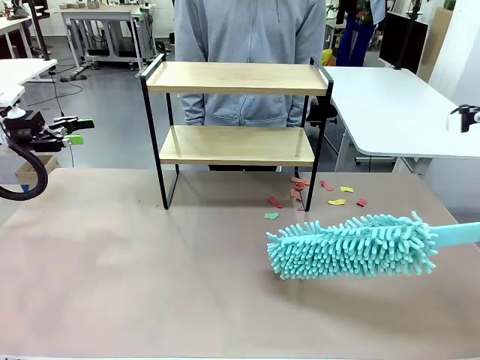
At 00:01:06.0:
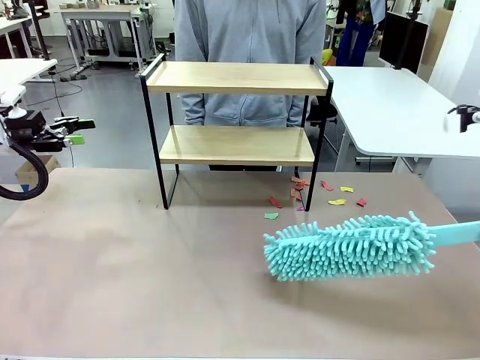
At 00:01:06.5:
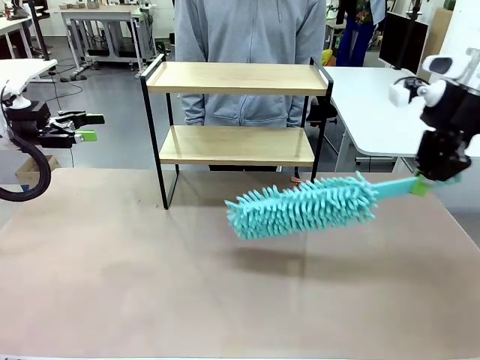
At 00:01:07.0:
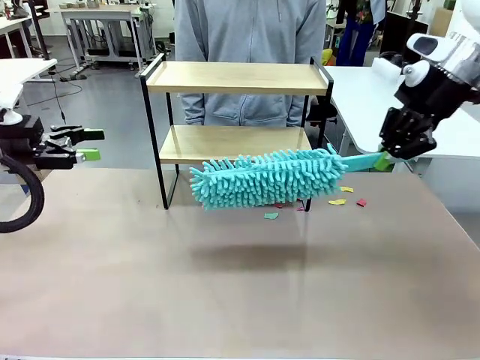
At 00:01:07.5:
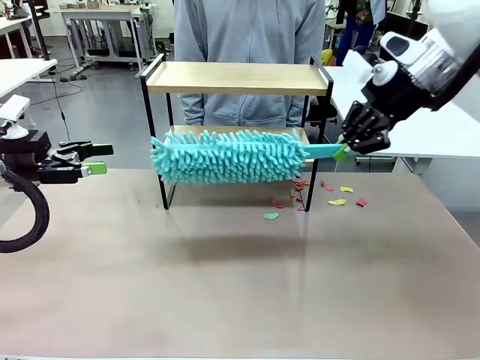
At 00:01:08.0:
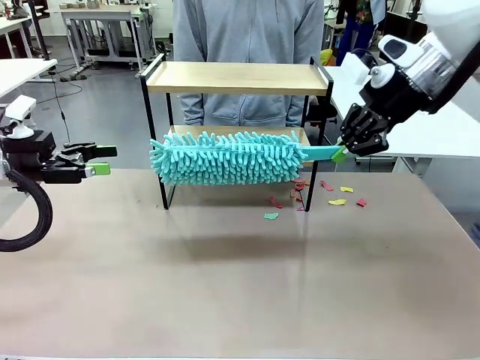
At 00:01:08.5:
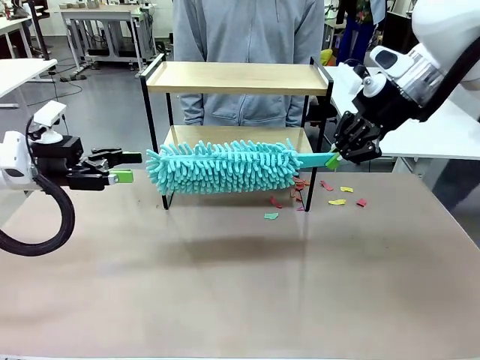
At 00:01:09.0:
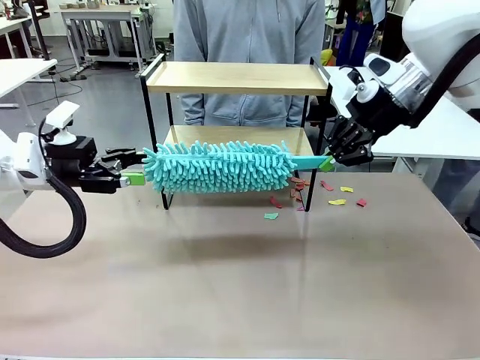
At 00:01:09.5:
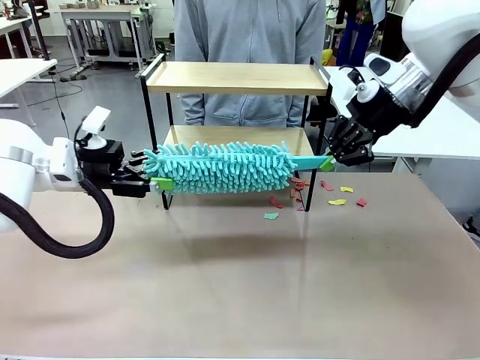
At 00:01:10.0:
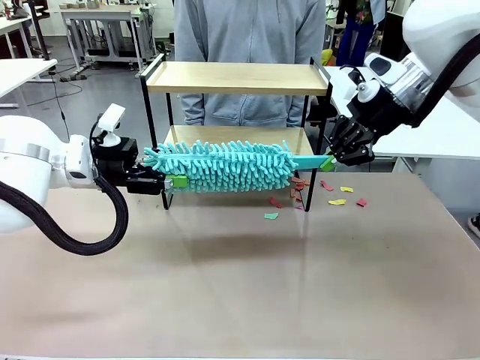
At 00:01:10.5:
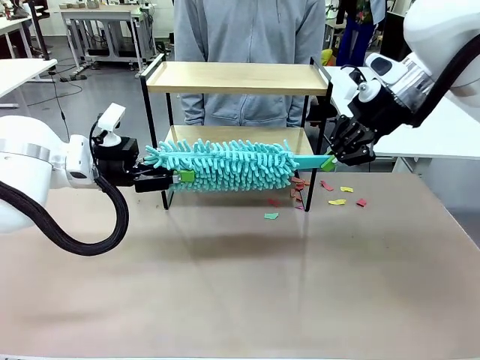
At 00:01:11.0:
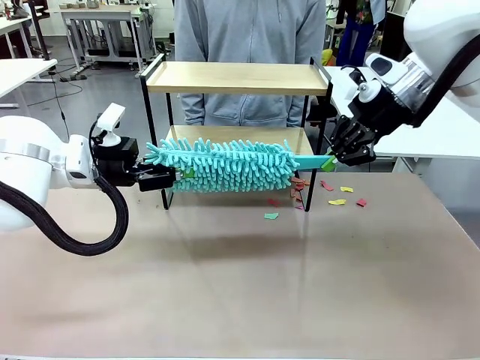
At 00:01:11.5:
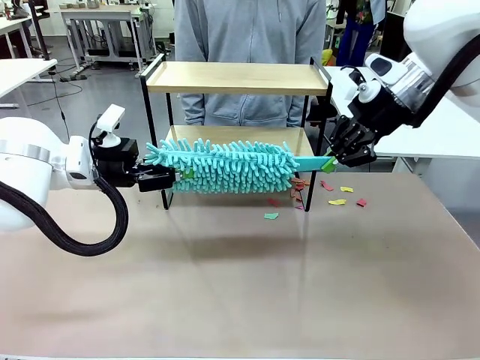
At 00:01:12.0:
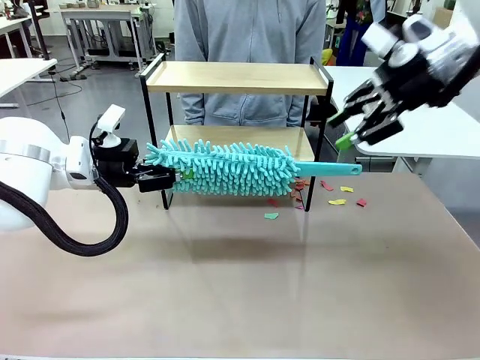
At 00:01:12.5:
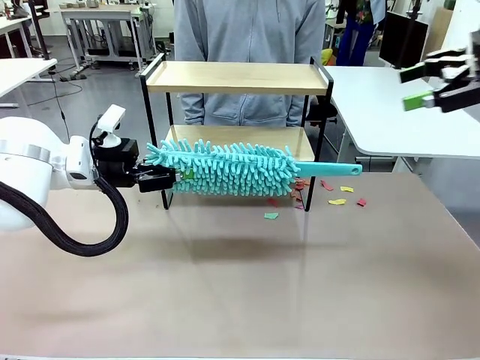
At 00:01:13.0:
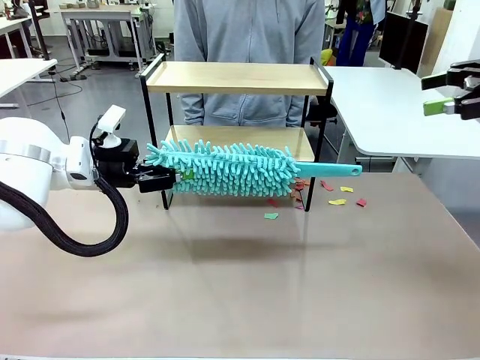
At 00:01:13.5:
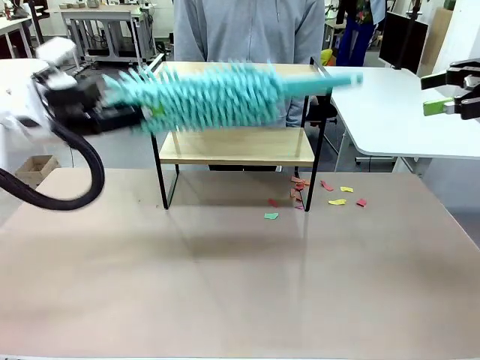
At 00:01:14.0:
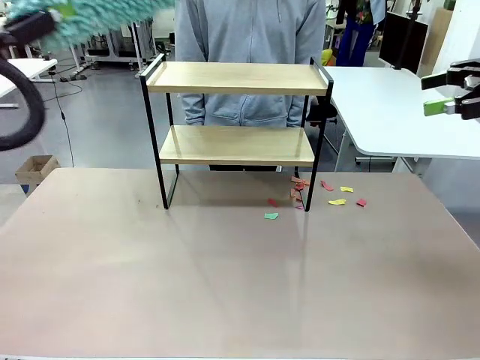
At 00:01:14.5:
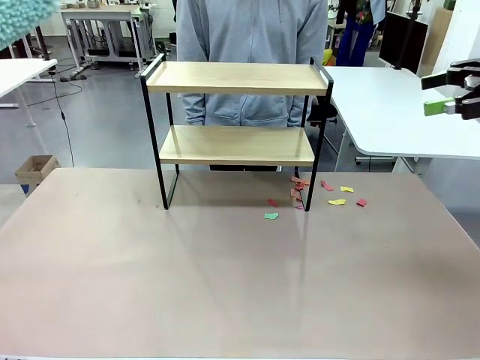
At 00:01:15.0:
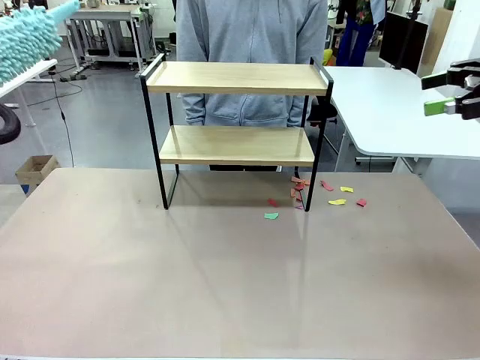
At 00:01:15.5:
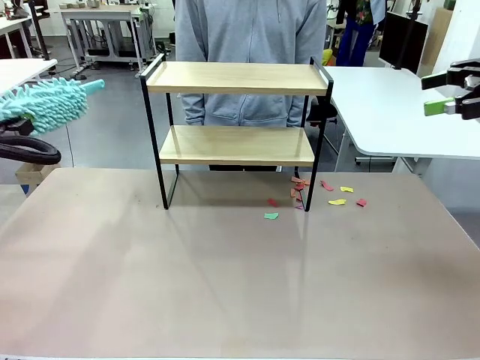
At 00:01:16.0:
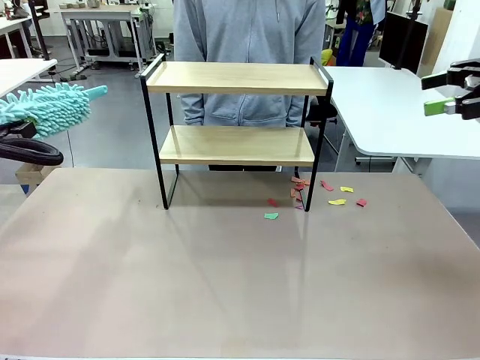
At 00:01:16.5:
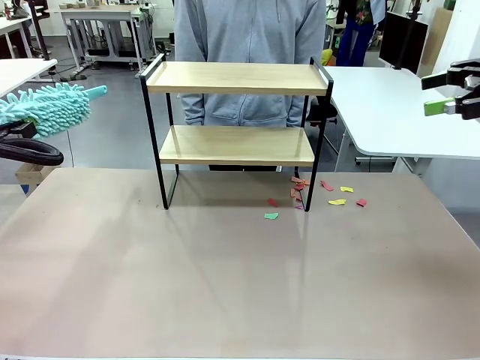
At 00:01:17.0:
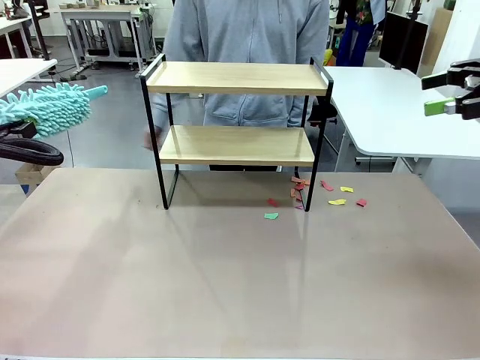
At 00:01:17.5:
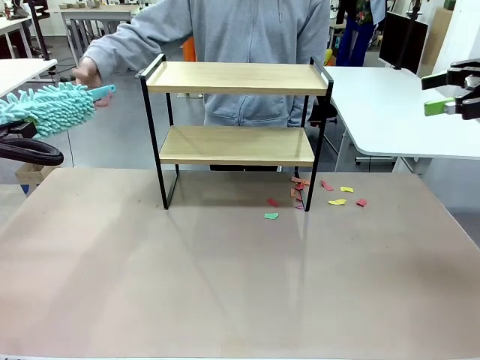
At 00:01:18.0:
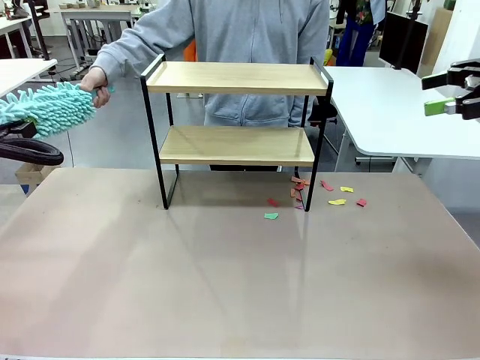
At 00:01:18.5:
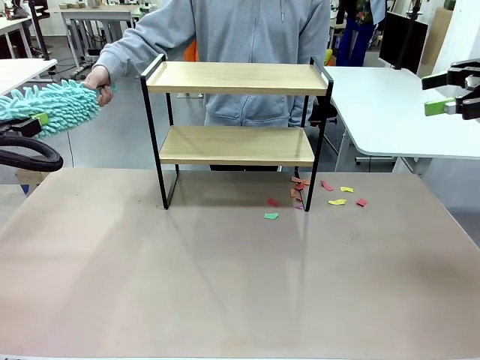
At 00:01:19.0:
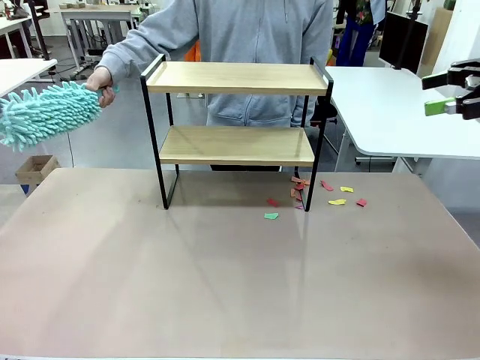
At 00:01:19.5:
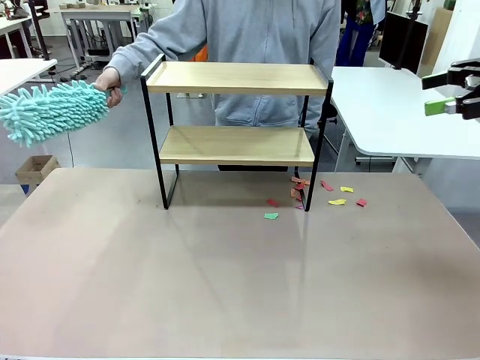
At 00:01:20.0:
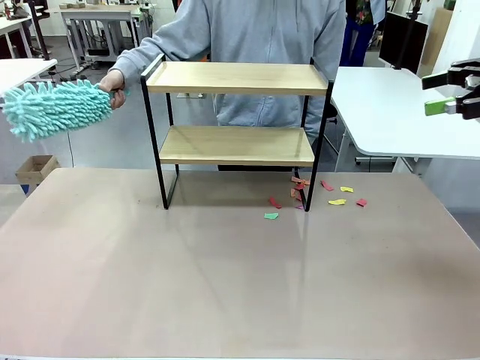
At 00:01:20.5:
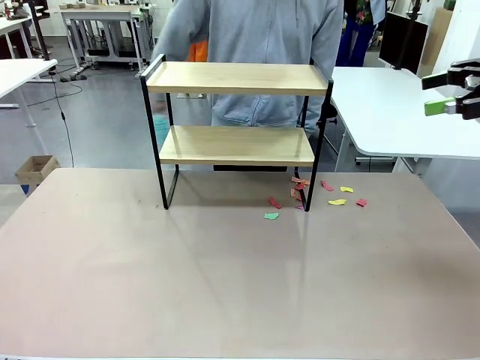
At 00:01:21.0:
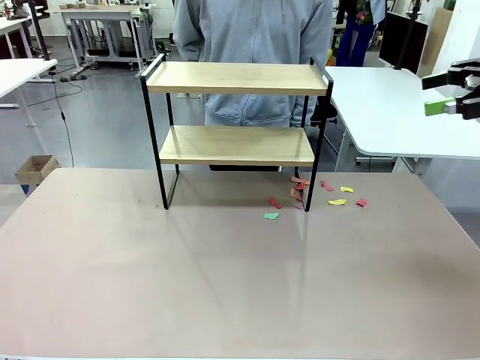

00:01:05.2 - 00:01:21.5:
Task: Clean the shelf.
Robot: Hand the Duster back to the human.
Person: Receive the Duster from the robot.

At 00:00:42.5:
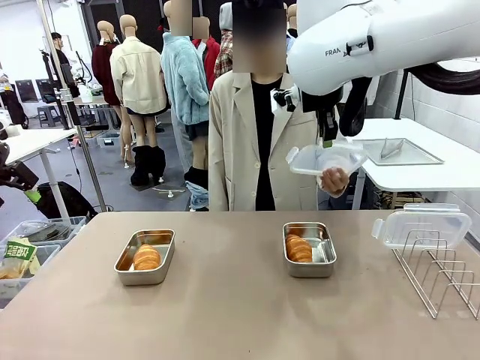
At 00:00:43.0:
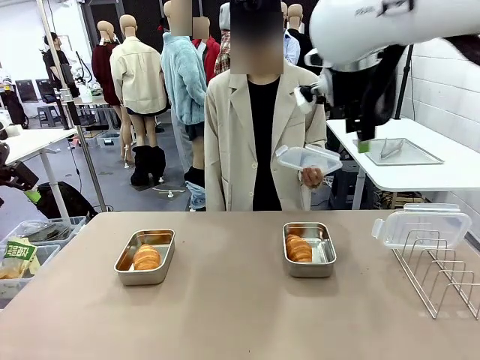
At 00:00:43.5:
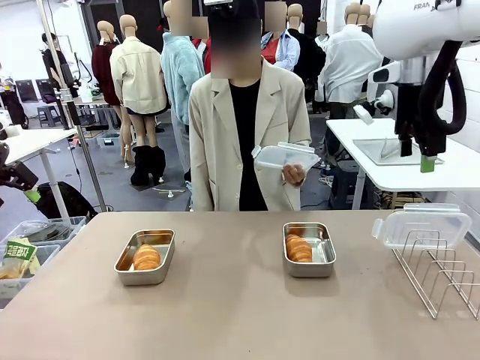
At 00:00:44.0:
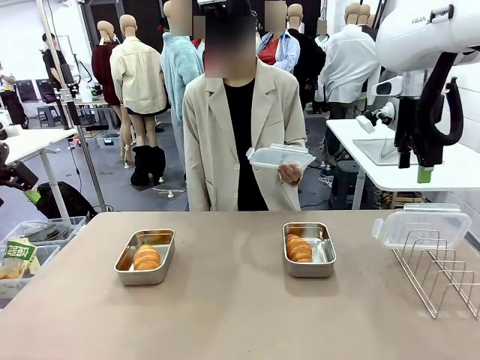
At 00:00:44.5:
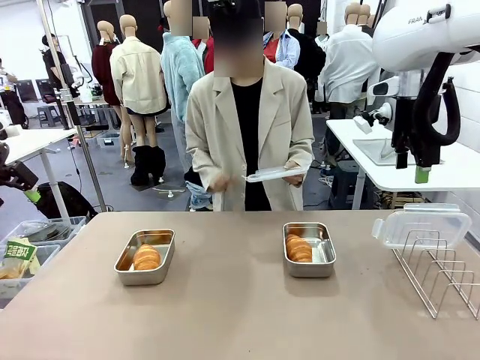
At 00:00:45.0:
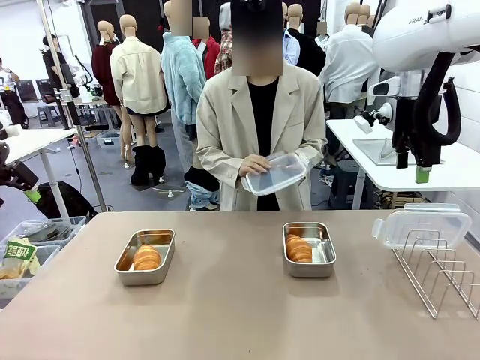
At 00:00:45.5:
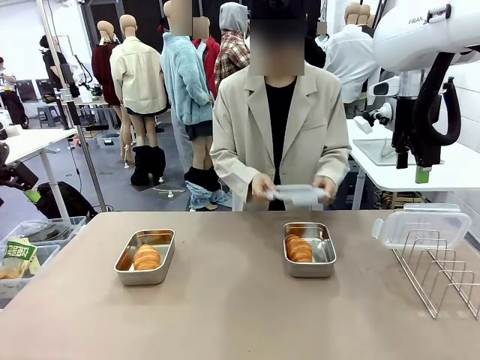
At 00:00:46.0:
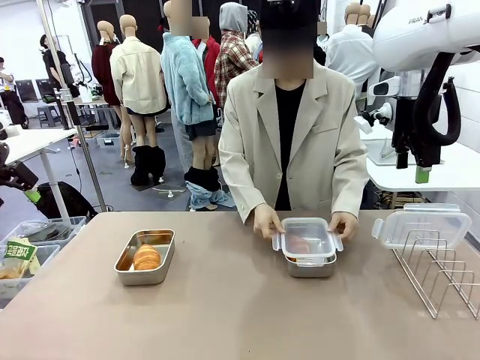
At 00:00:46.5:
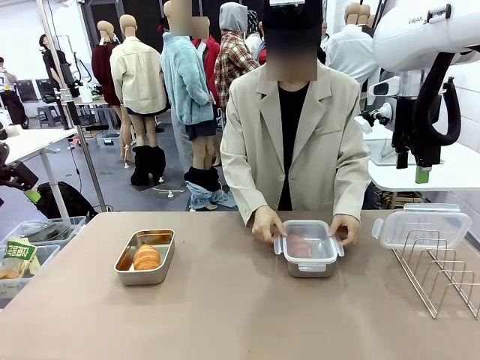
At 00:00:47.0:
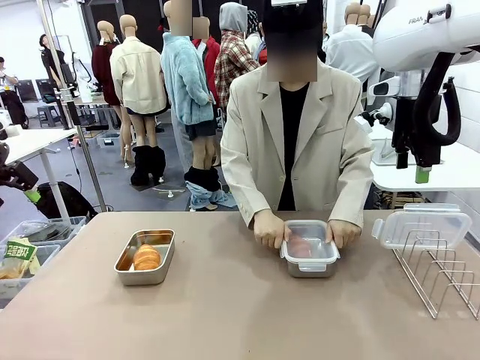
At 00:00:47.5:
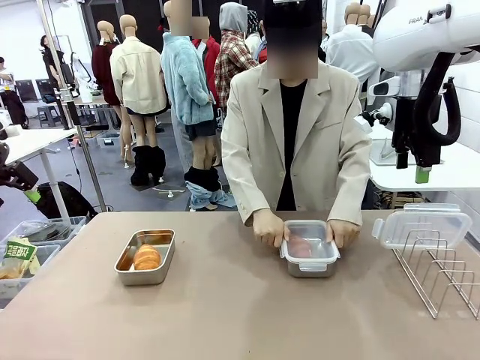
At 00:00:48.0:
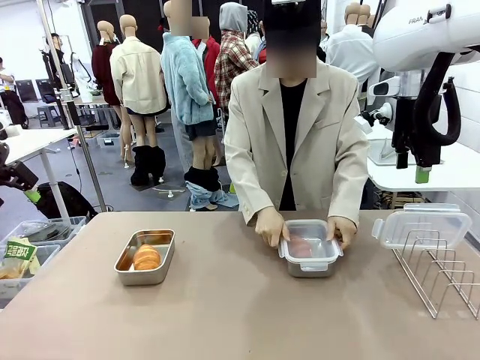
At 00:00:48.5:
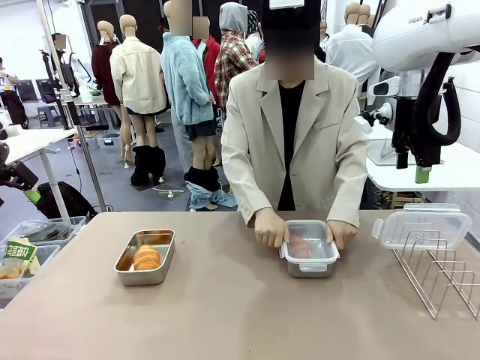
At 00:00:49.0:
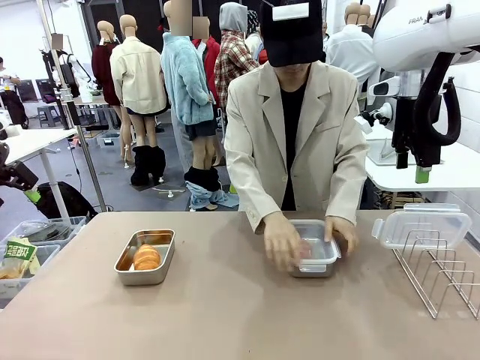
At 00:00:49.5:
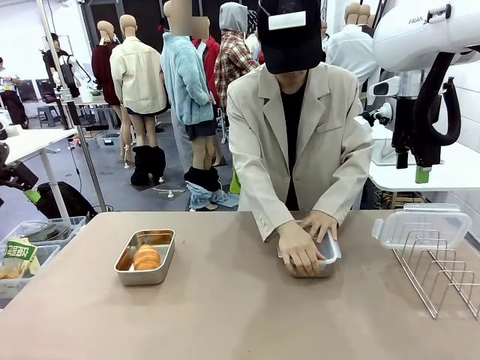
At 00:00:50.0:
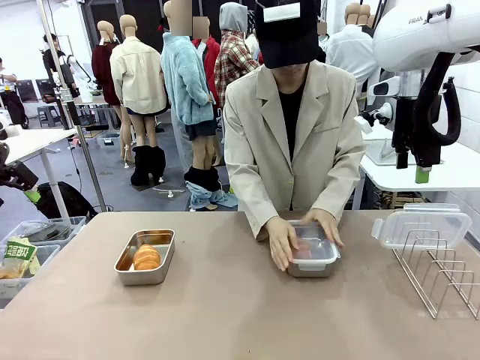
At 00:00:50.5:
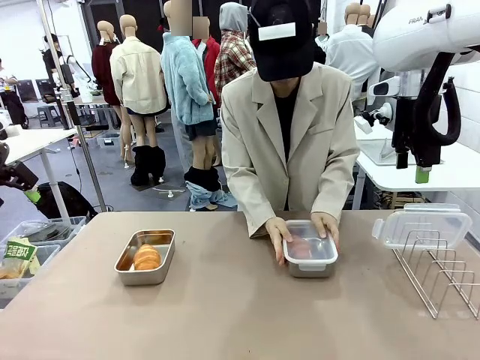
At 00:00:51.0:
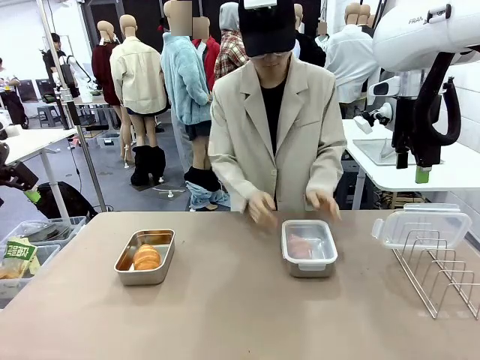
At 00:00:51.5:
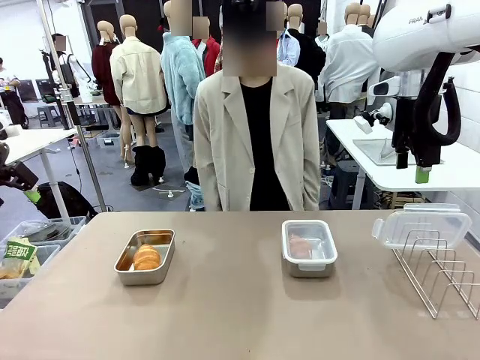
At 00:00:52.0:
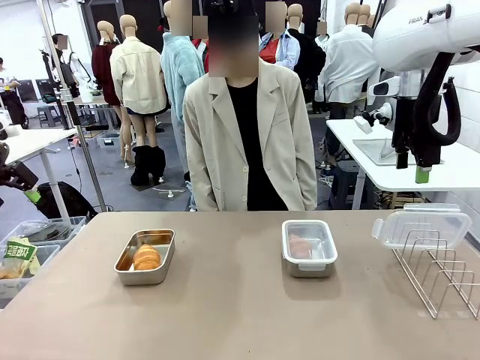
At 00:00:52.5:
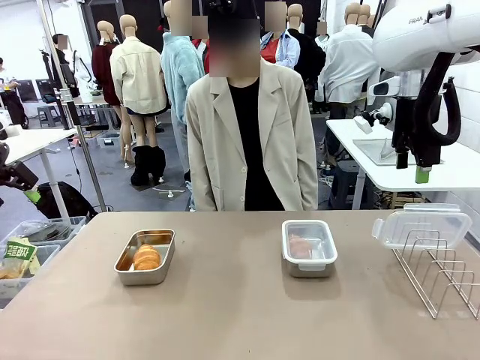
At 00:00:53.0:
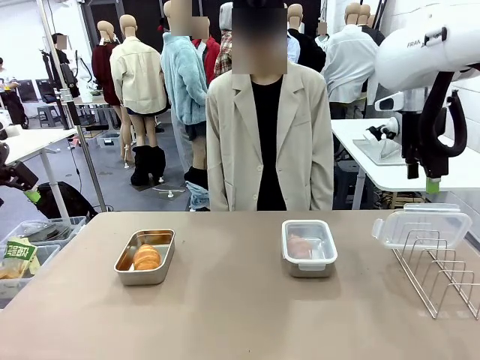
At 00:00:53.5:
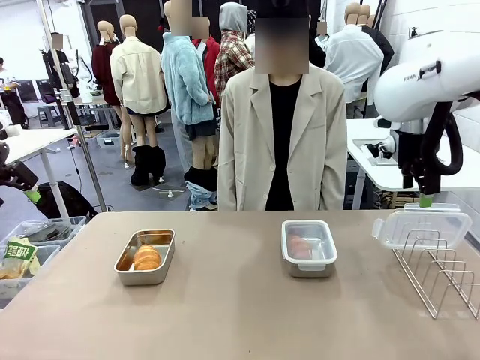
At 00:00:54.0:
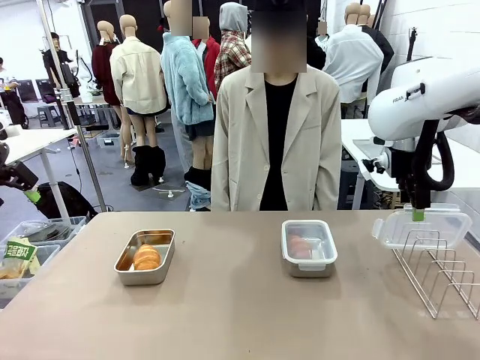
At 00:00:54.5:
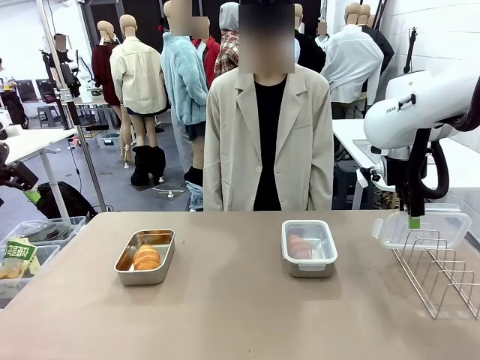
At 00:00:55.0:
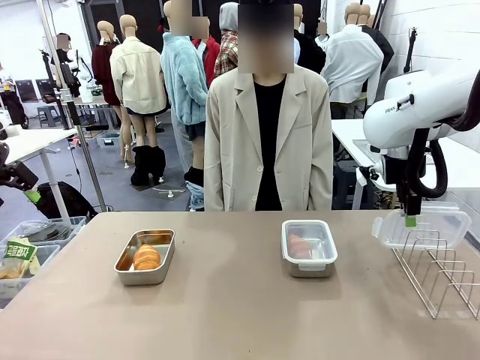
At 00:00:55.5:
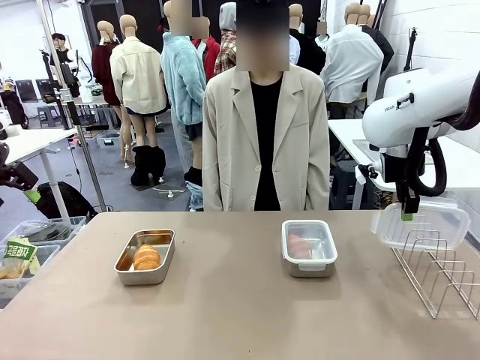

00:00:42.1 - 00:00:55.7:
Task: Place the bread in airtight containers.
Robot: Pick up one Airtight Container lid and hand it to the human.
Person: Close Airtight Container with a handed Airtight Container lid.
